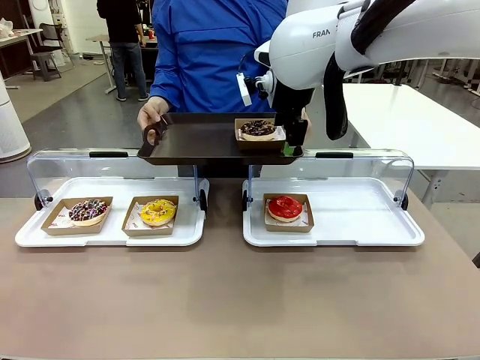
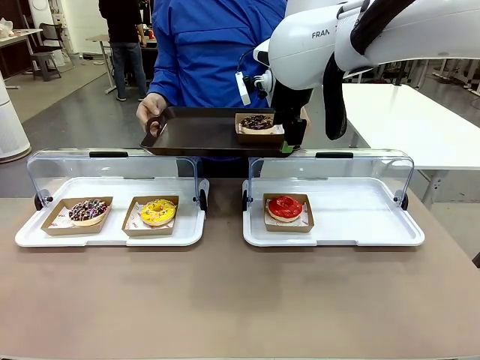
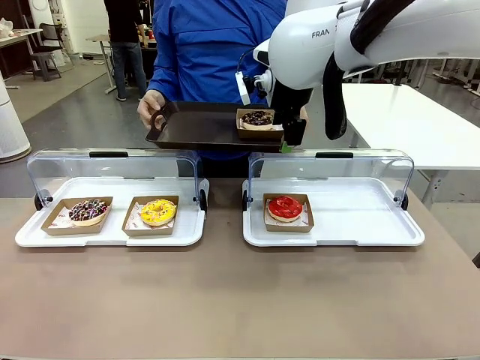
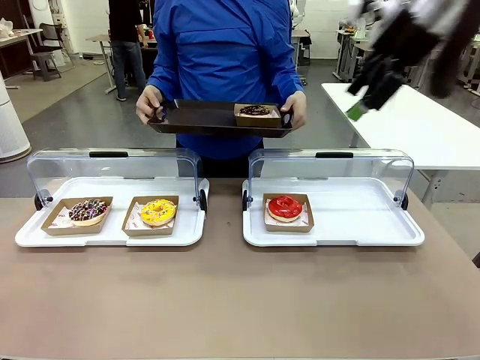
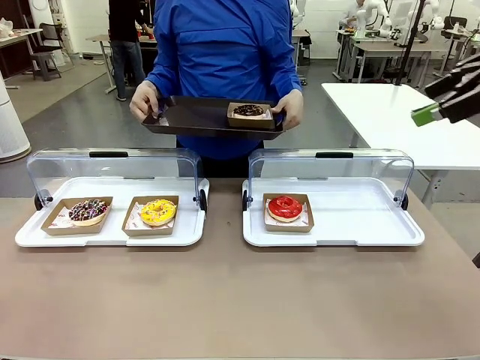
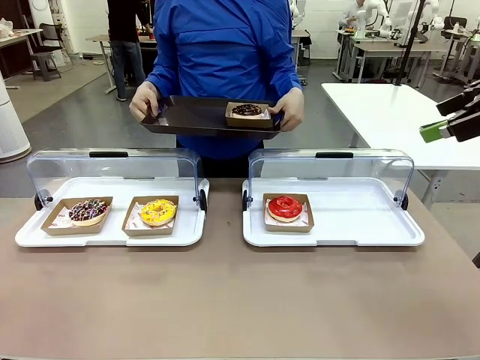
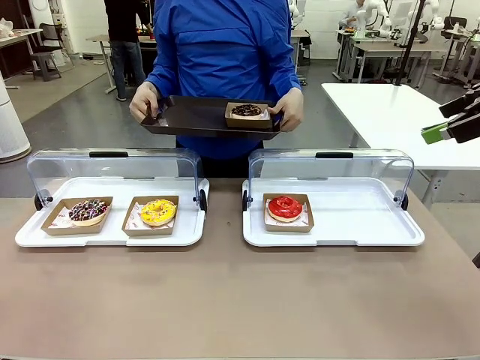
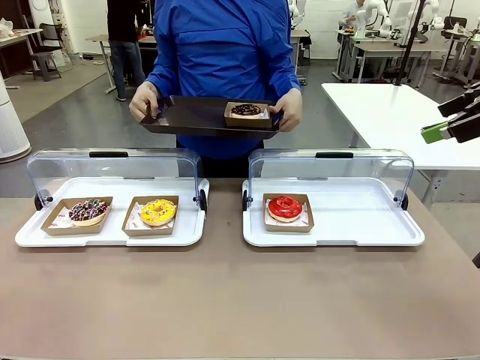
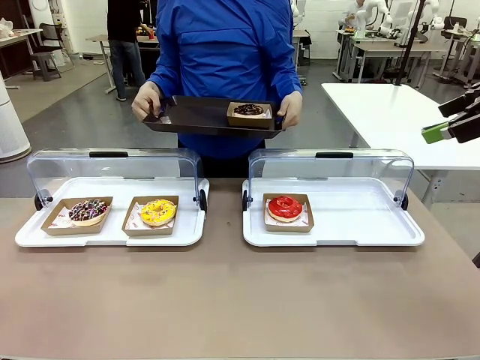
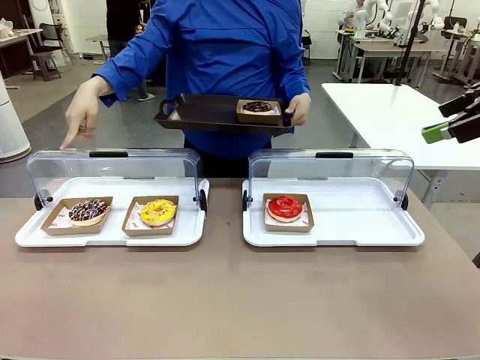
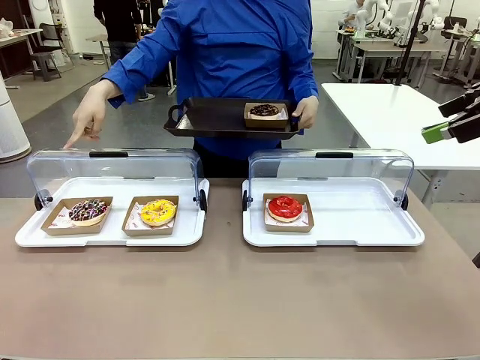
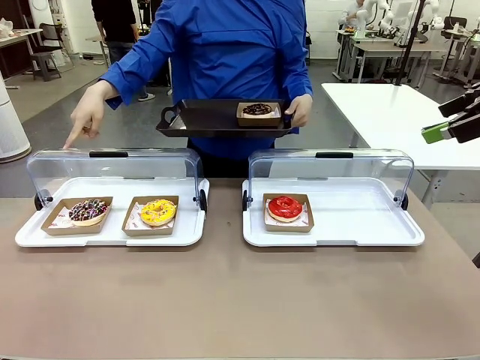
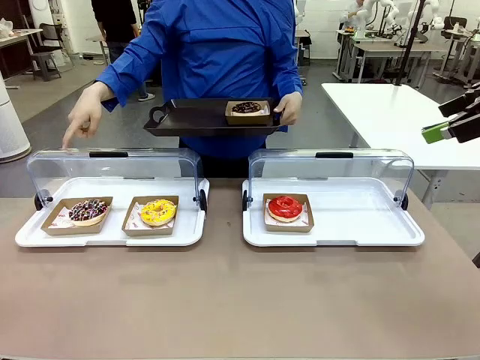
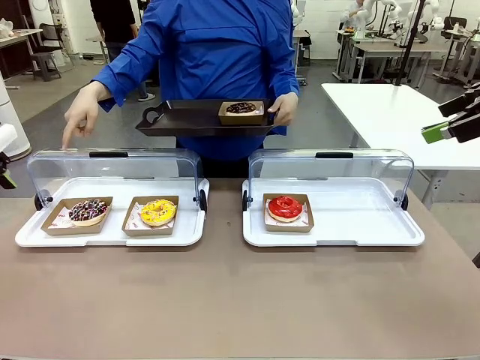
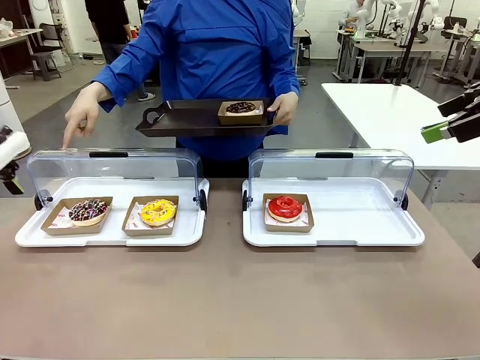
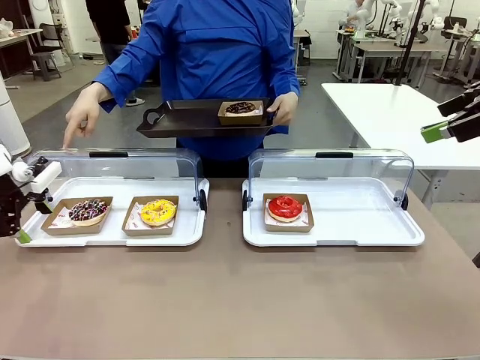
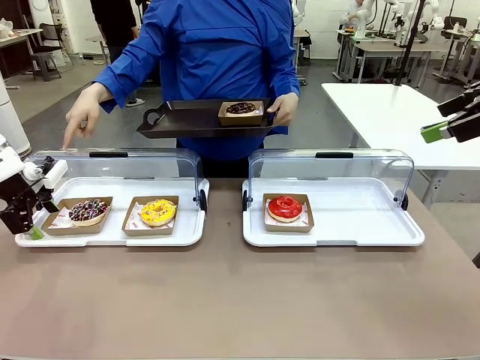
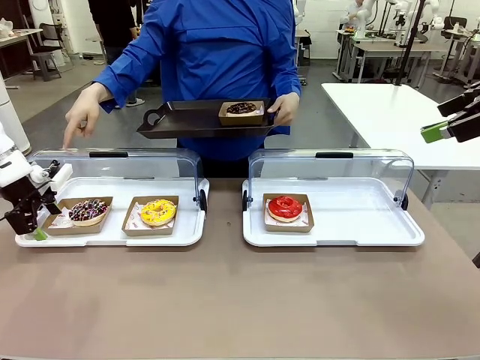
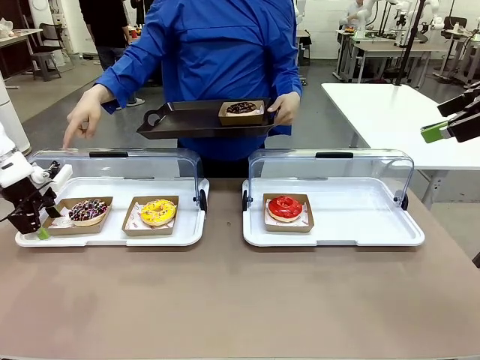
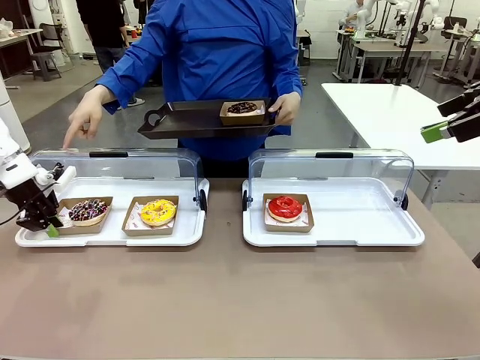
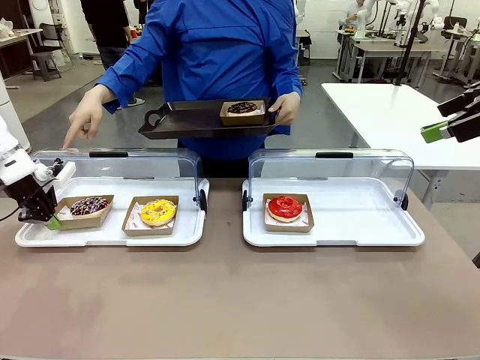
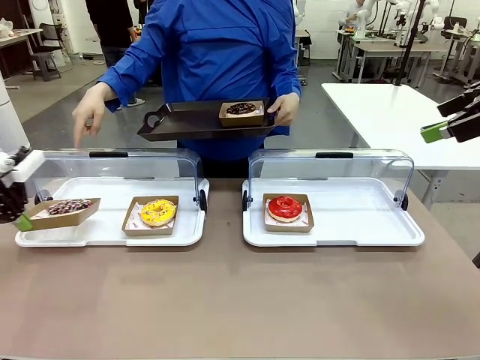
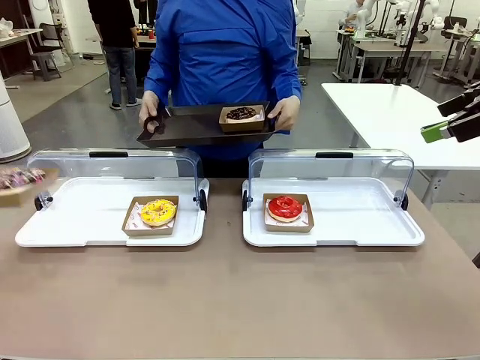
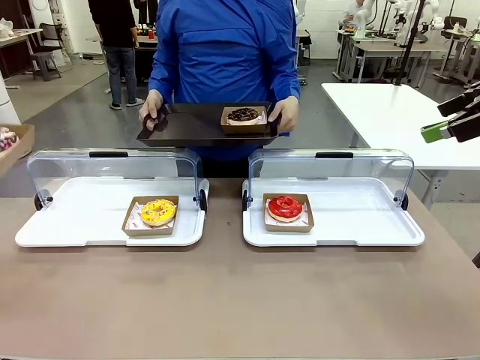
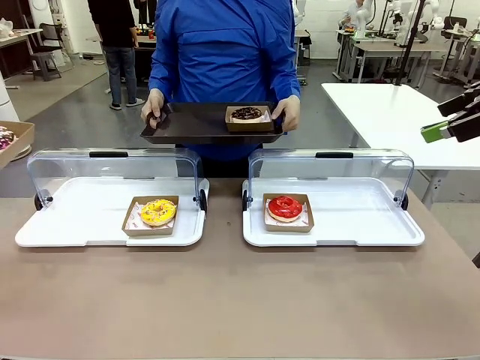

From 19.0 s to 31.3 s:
Task: Provide the desired donut to the person.
Robot: Pick up and lift the Paper togo box containing the Donut pointed at by the person.
Person: Lift the tray onto the Roll-Top Bakery Case.

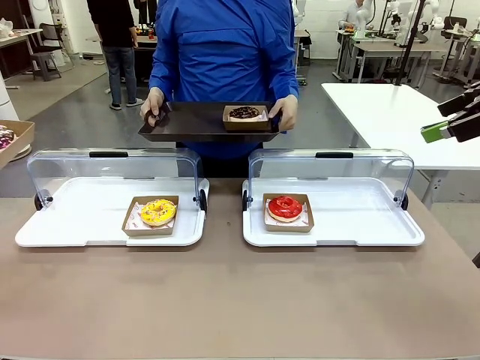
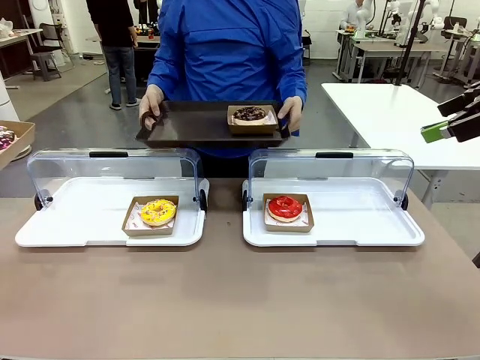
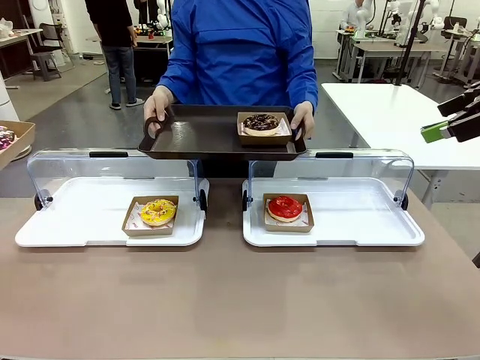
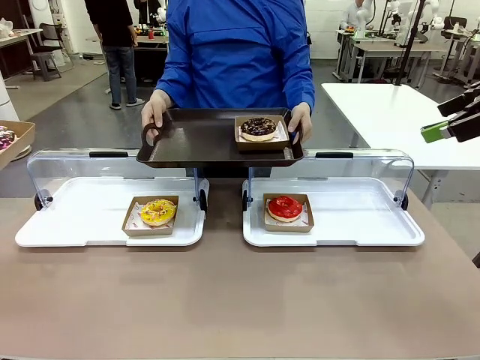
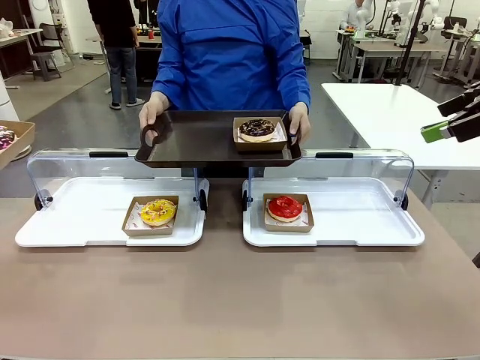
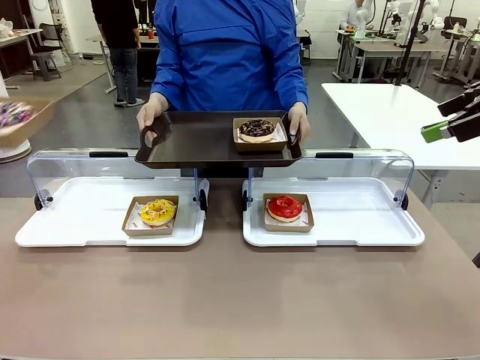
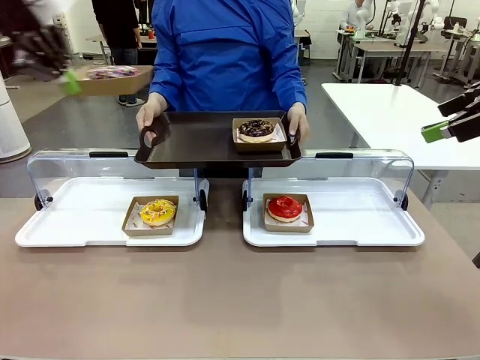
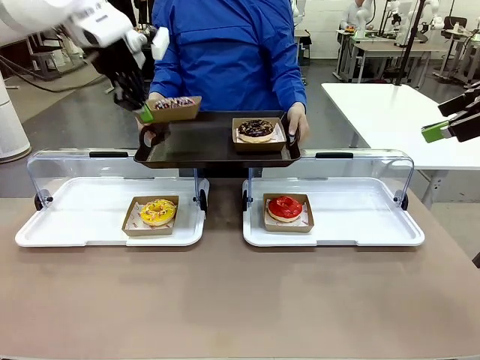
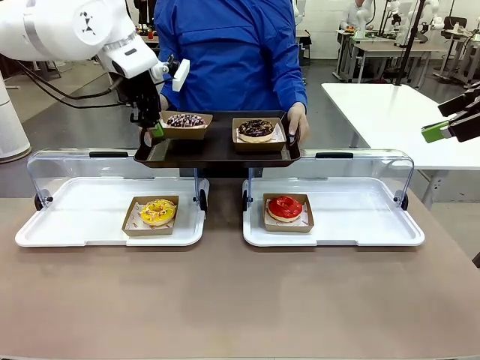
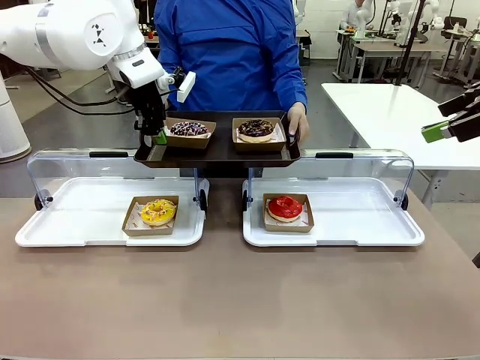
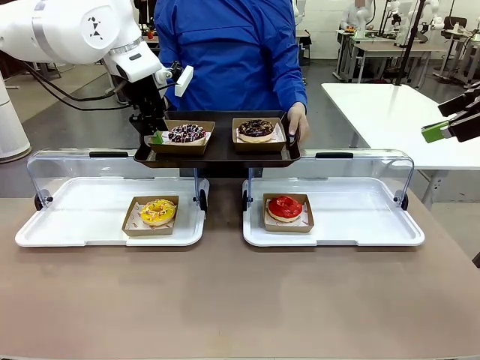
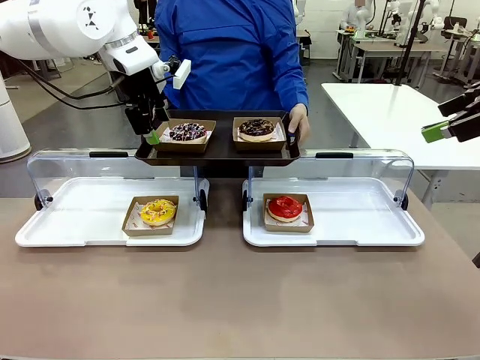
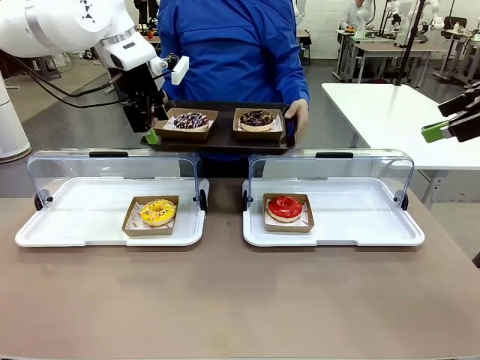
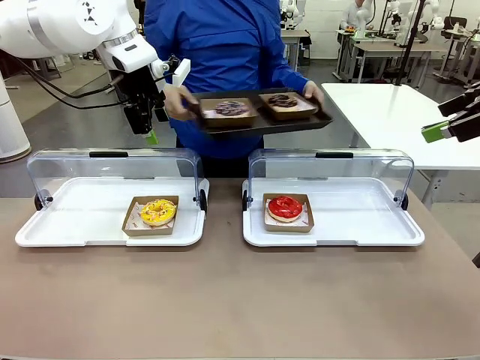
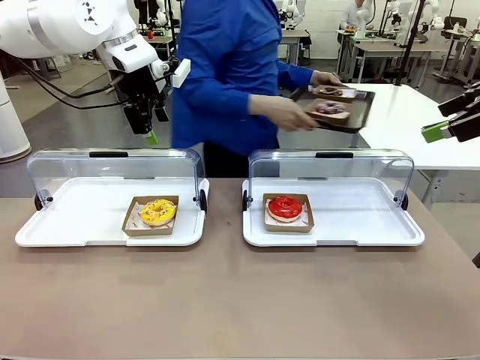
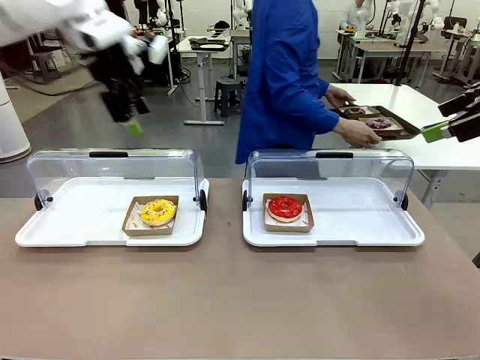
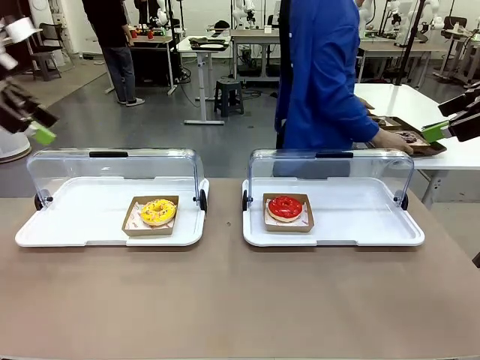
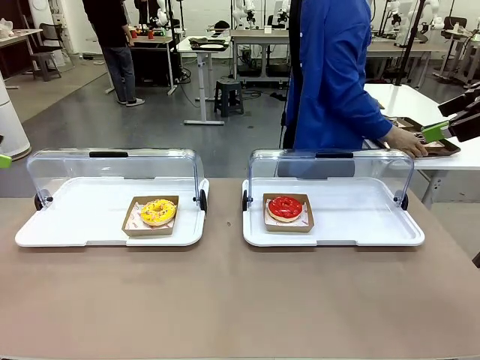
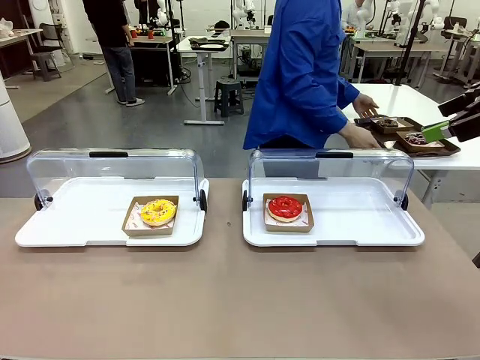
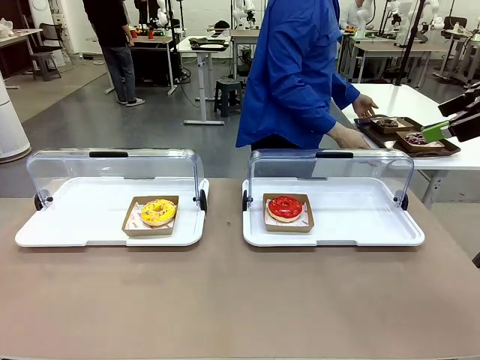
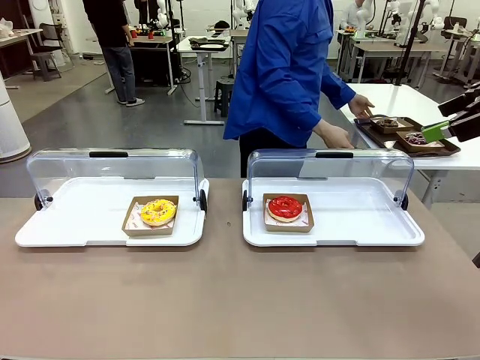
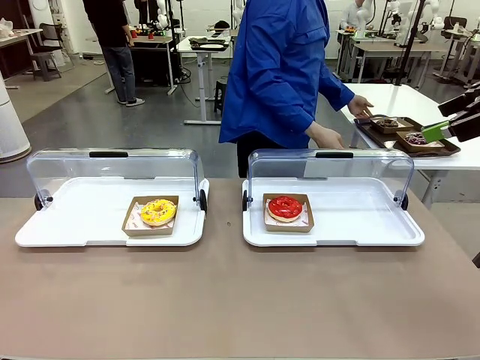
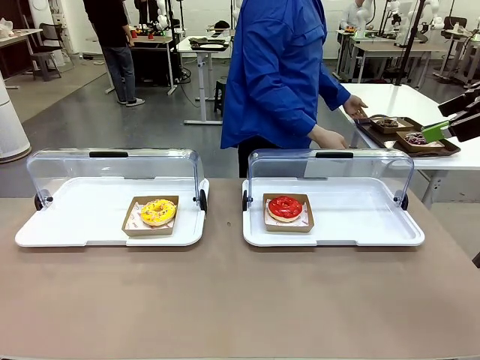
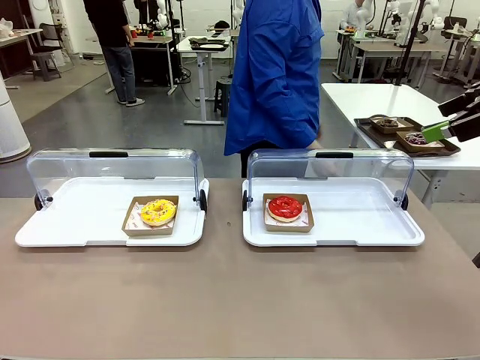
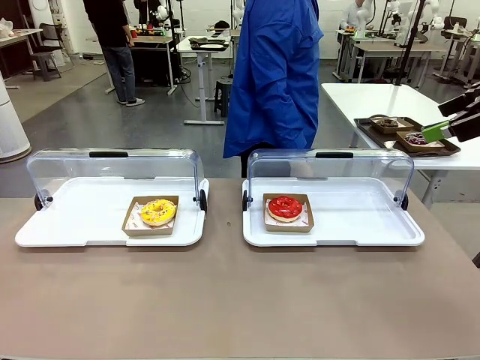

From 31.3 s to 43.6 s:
Robot: Place the picked Paper togo box onto the Handle tray extended by the person.
Person: Place the tray in the middle of the human table.
